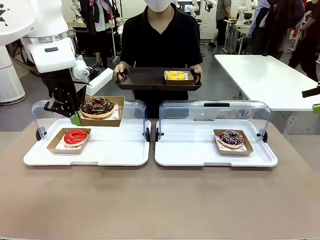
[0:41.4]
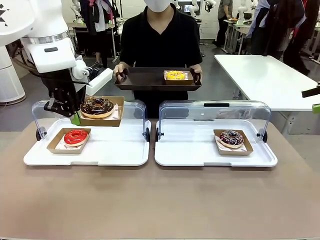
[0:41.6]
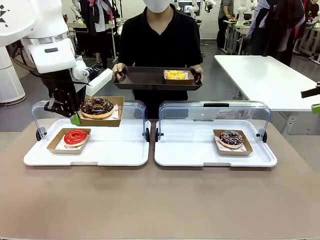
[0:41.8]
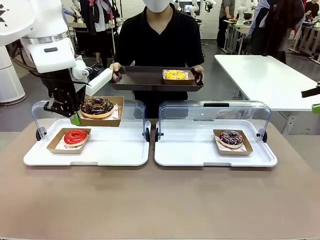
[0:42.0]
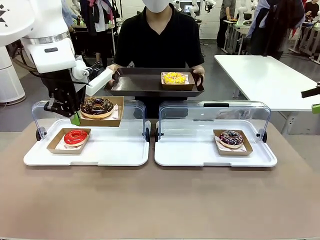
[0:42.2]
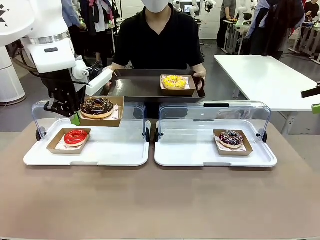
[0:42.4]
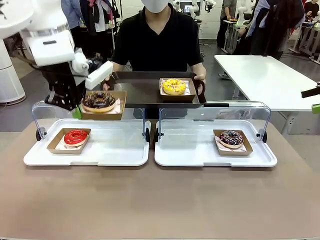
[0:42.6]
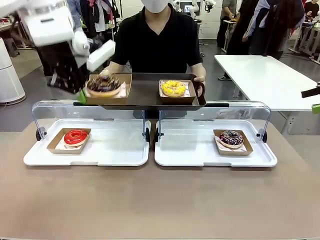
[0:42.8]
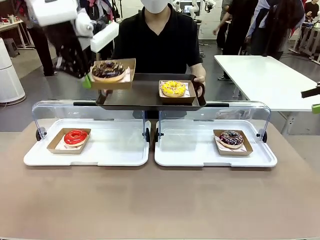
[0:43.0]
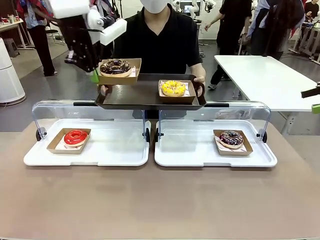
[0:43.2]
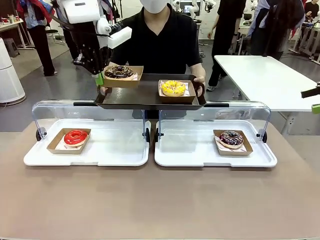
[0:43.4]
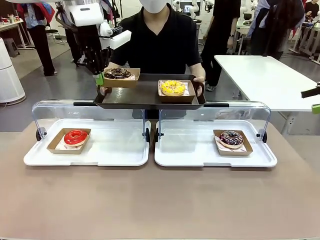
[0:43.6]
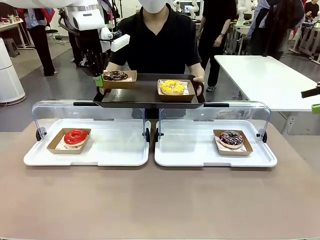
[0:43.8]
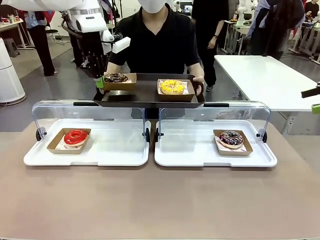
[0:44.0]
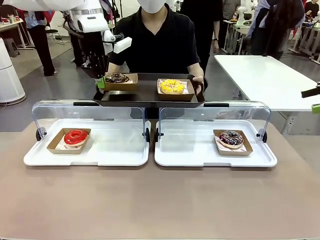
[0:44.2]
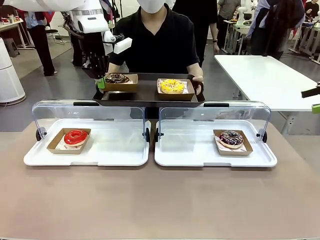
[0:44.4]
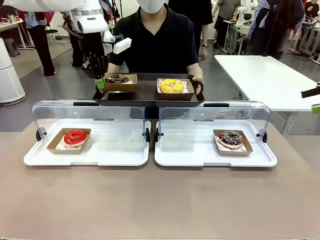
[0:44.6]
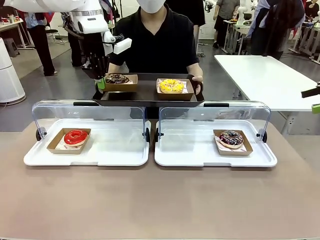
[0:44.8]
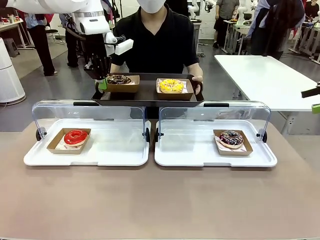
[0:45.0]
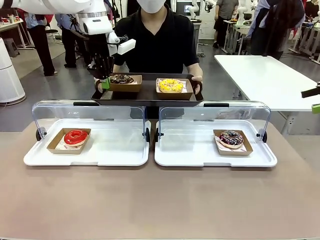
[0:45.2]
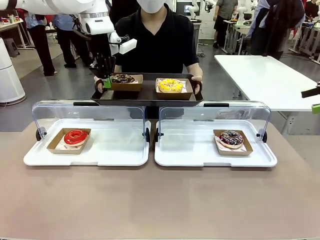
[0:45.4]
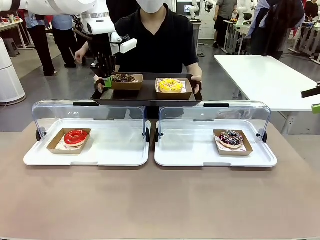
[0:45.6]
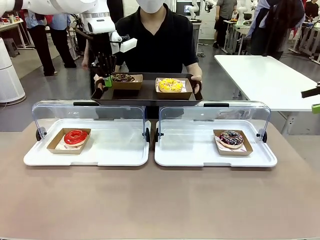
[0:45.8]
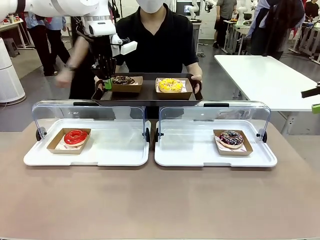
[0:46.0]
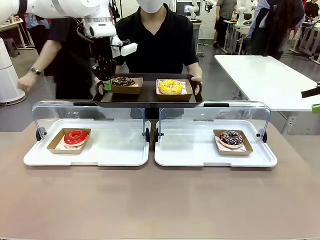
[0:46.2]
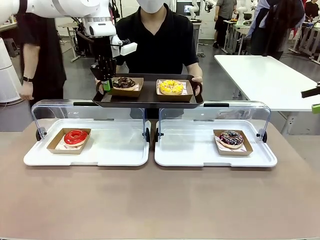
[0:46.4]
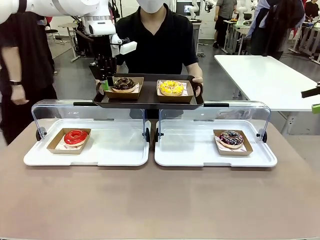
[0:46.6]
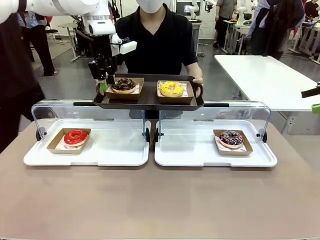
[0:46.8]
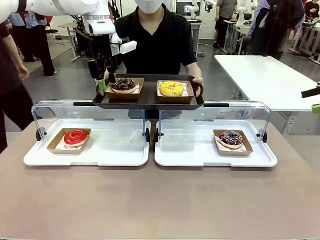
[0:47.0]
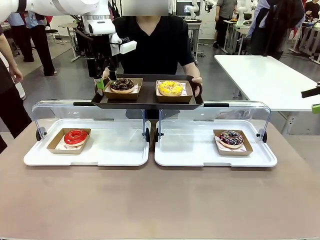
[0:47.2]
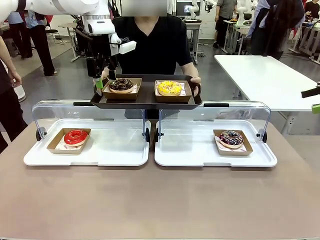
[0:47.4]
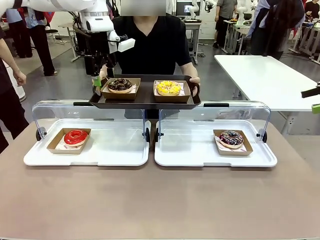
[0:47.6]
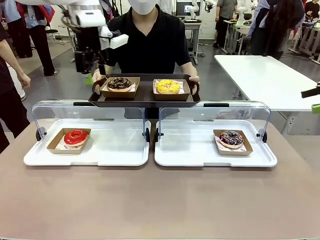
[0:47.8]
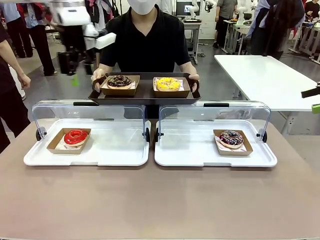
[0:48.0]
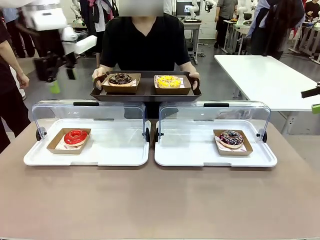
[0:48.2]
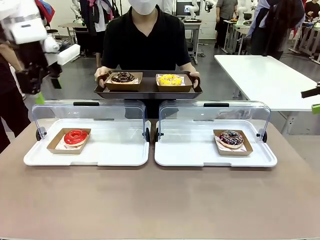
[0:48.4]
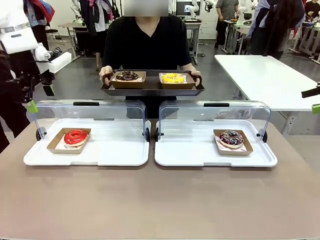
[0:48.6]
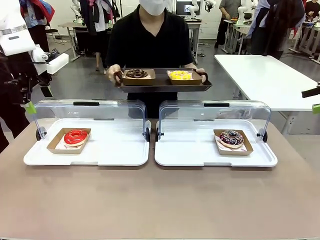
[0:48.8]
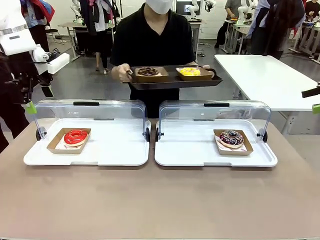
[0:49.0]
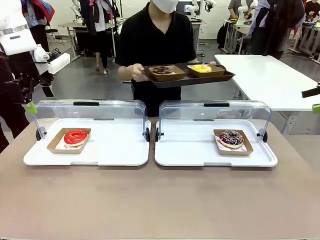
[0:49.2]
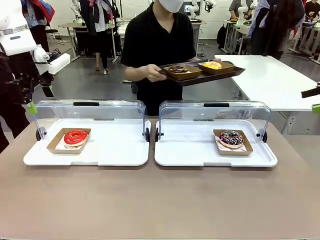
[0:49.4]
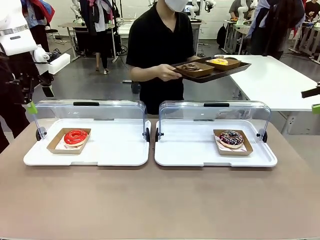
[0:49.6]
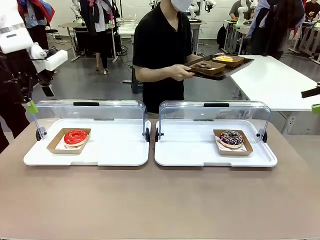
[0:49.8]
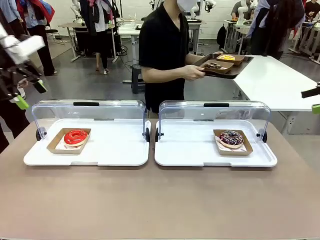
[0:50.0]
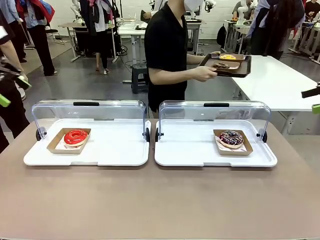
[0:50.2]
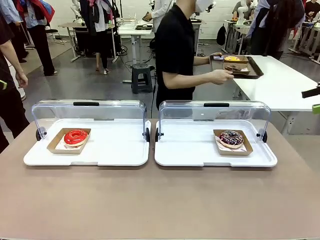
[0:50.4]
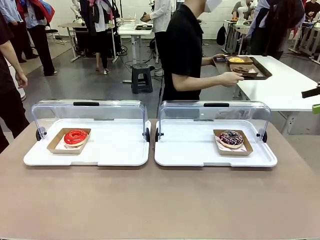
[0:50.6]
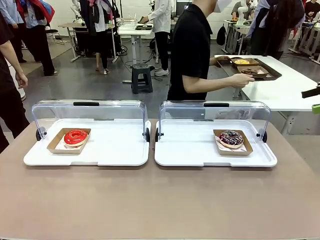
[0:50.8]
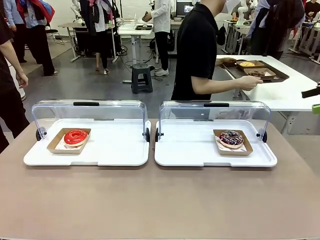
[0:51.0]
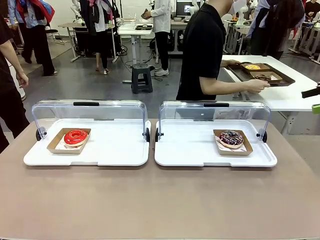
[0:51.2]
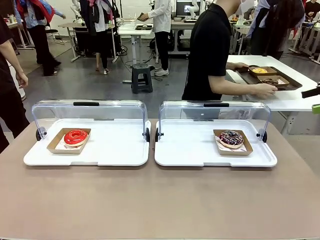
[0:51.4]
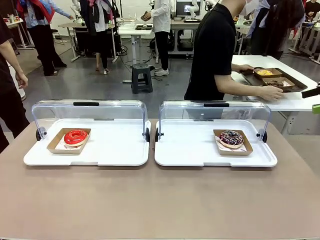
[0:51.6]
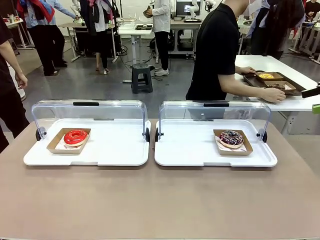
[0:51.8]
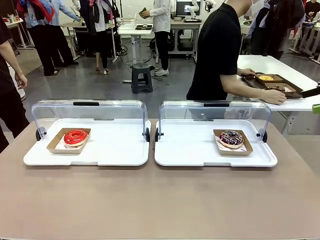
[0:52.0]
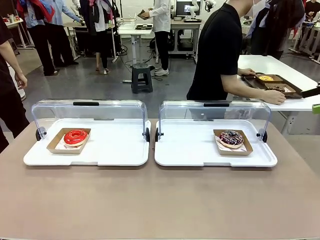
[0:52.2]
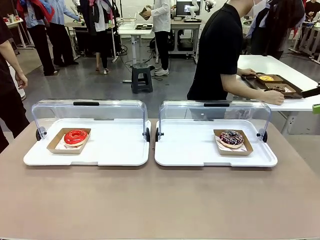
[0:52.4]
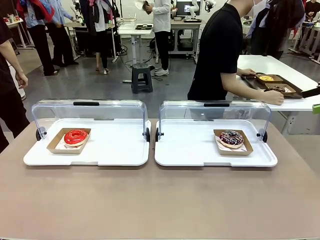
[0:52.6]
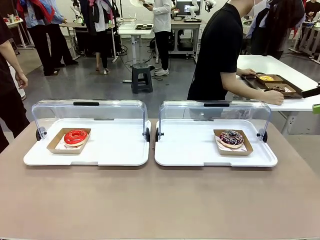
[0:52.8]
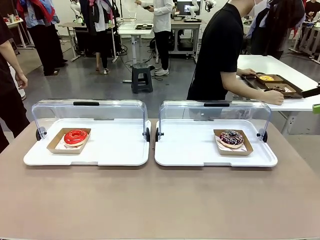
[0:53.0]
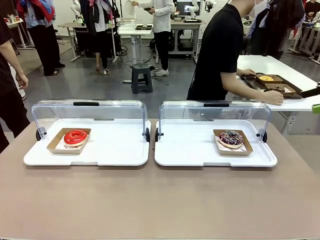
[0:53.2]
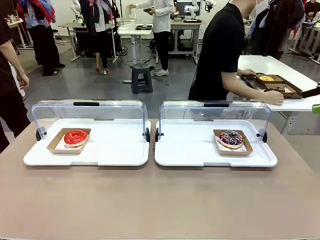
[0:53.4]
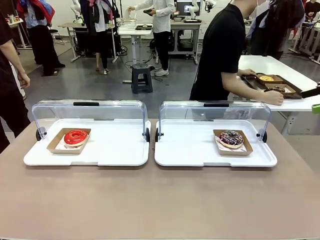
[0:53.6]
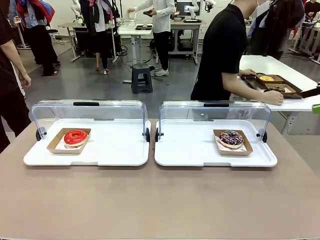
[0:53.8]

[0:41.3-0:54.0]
Task: Provide the desired donut to the person.
Robot: Place the picked Paper togo box onto the Handle tray extended by the person.
Person: Place the tray in the middle of the human table.

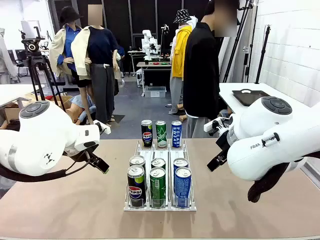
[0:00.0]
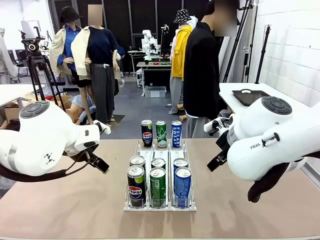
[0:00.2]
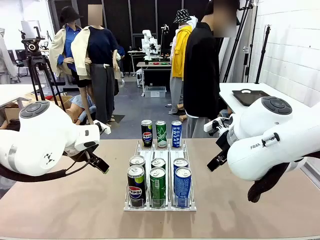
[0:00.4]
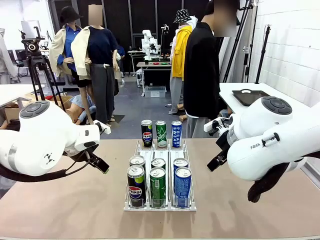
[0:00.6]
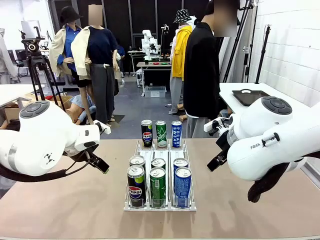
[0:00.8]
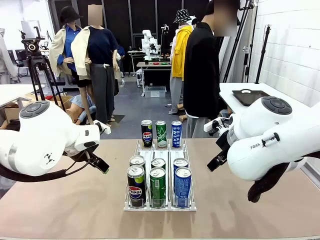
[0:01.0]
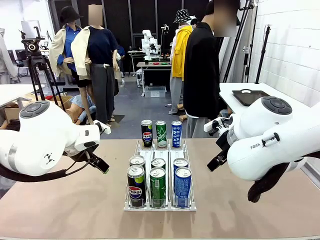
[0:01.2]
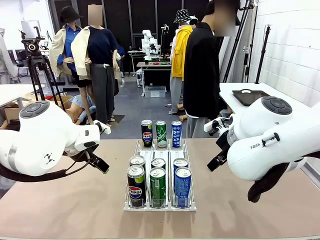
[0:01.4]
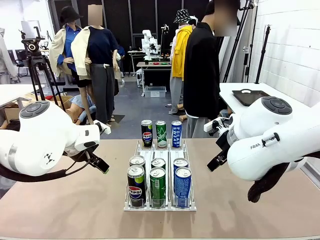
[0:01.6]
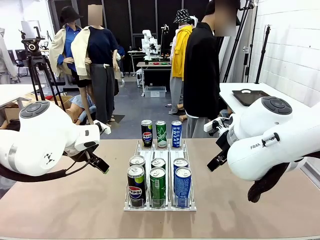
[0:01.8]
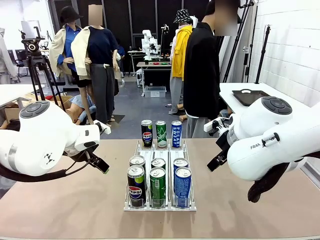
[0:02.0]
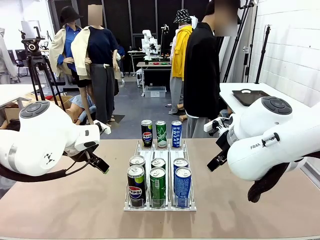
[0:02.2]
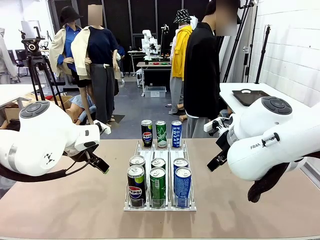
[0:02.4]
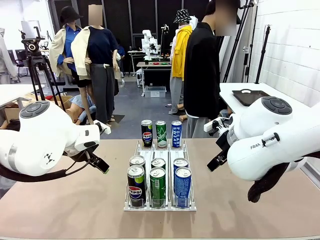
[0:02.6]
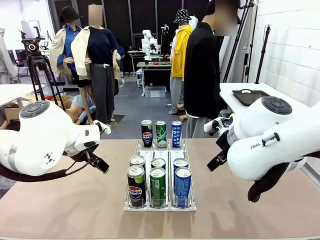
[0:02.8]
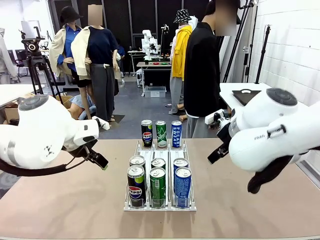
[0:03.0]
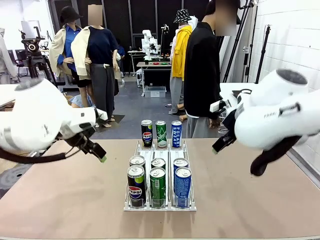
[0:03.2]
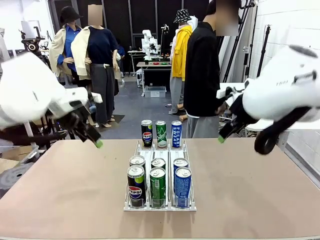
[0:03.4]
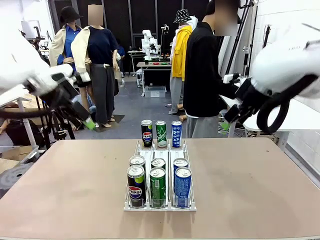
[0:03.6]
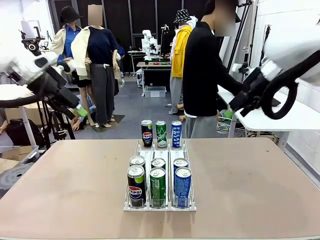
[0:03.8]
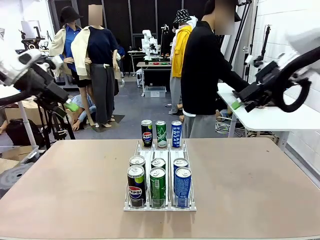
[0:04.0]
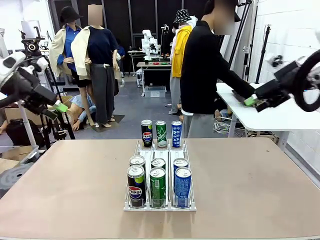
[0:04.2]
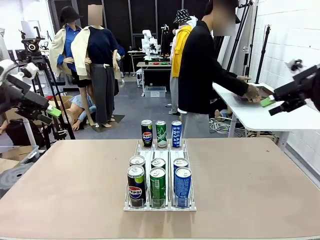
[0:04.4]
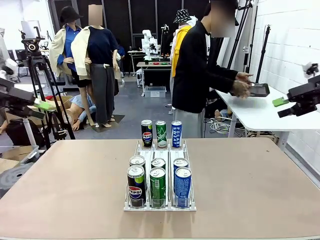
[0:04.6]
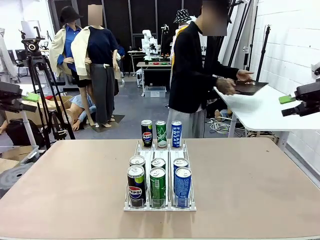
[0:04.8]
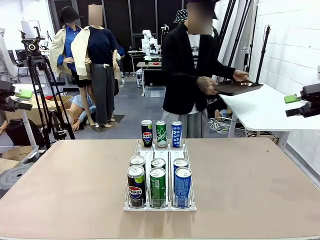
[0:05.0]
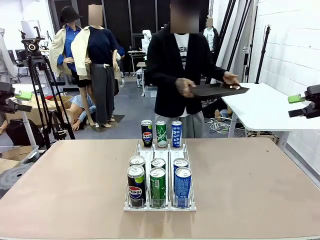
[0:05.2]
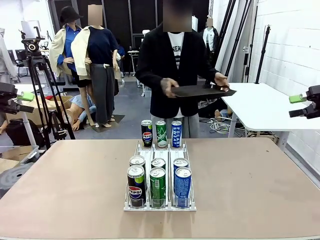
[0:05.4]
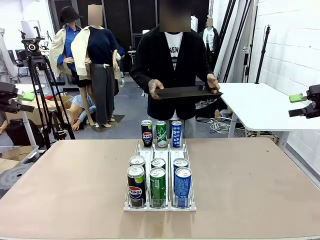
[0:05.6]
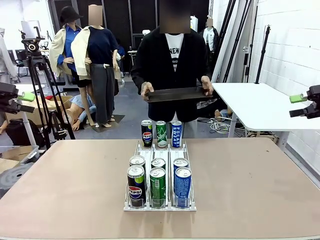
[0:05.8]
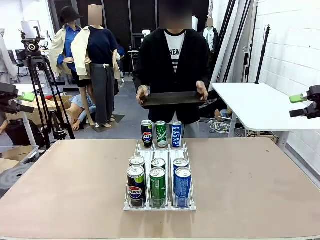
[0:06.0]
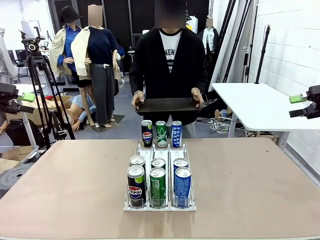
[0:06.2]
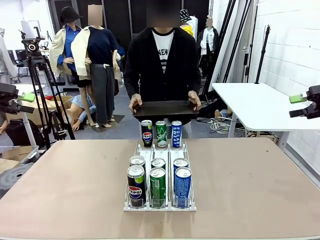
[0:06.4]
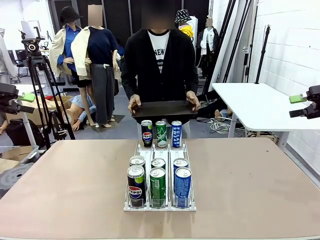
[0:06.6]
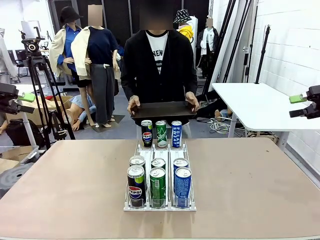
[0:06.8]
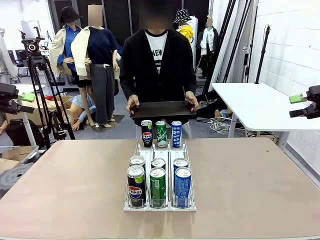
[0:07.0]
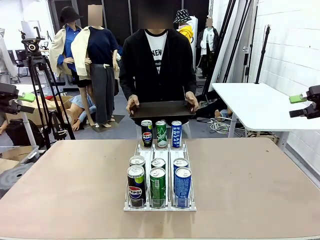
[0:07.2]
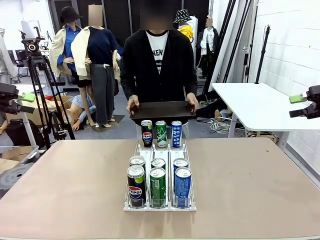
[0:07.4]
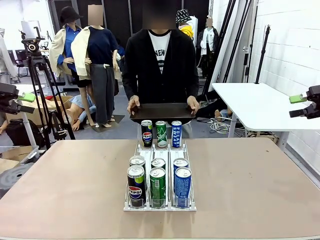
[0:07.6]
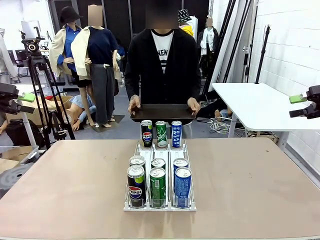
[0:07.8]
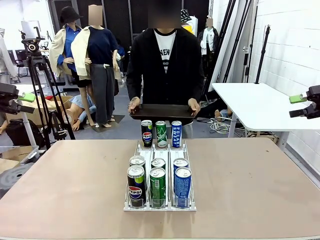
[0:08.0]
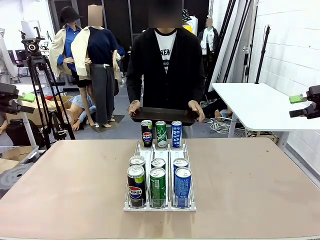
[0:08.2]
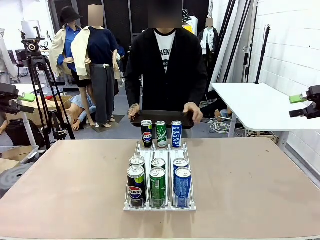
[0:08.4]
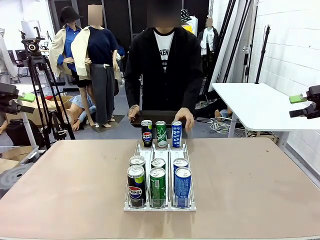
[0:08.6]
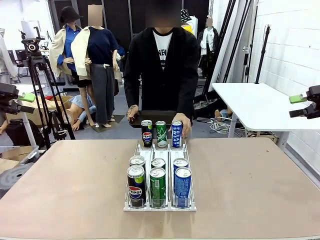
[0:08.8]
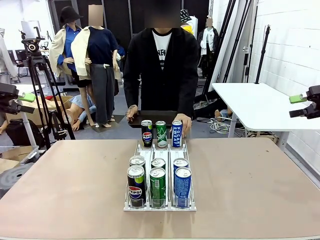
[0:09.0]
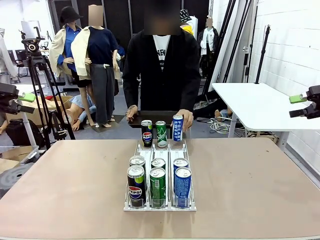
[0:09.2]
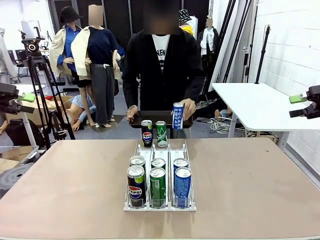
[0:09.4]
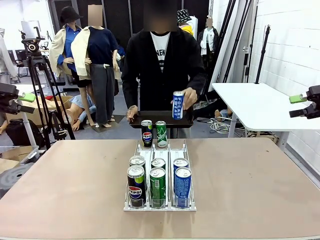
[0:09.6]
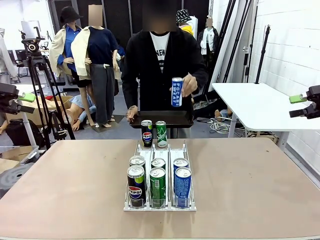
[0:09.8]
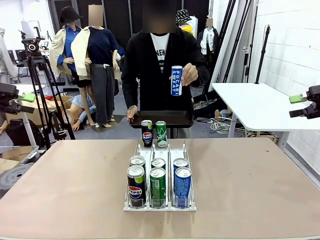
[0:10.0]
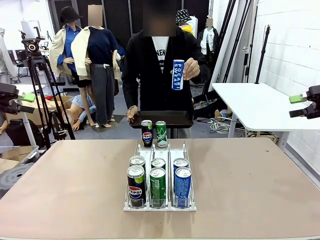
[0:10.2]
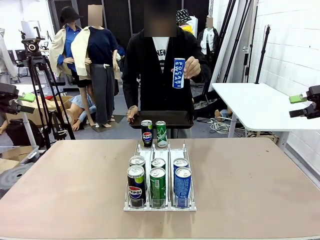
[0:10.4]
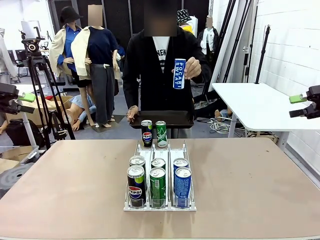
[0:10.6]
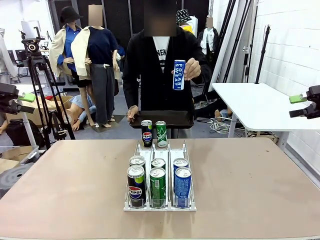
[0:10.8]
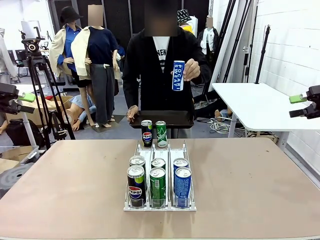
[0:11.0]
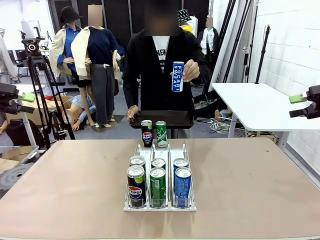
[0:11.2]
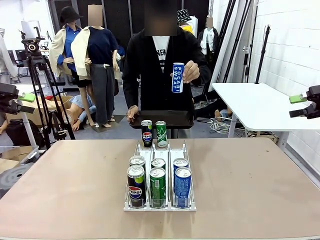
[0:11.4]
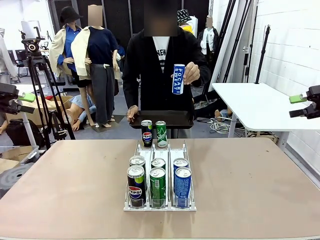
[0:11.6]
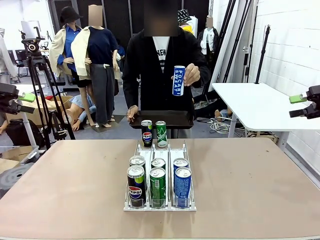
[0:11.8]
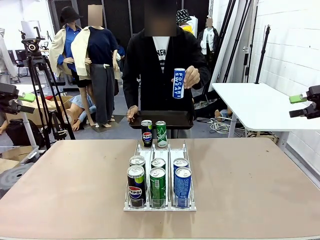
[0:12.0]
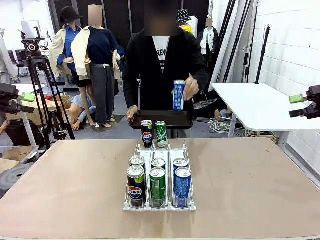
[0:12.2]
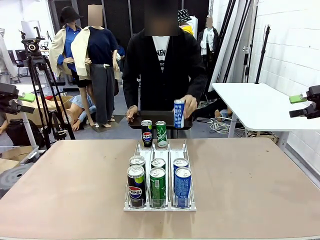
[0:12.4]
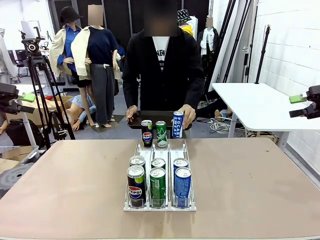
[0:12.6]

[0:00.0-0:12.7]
Task: Retrieve and hand over the desired beverage to the person.
Robot: Pick up a can of the same type that the person held from the Automatic Can Dispenser.
Person: Hold the tray and position yourself in front of the robot table. Pick up one can from the bottom area of the table and puts it back in its original place.
